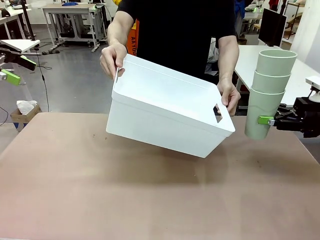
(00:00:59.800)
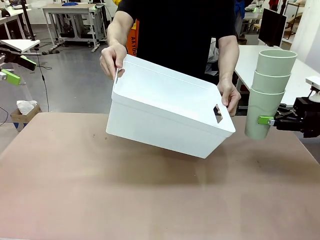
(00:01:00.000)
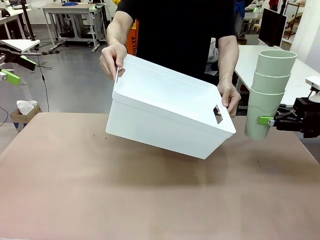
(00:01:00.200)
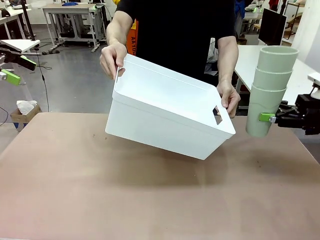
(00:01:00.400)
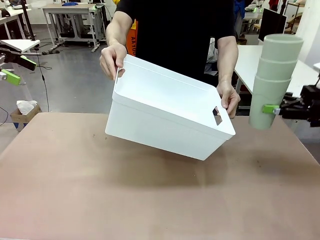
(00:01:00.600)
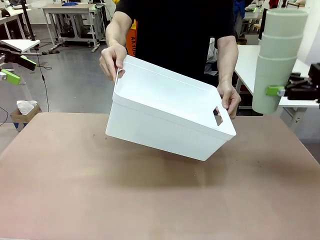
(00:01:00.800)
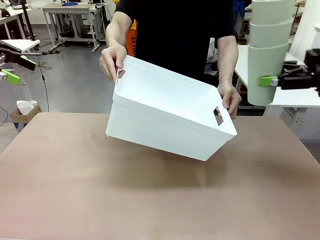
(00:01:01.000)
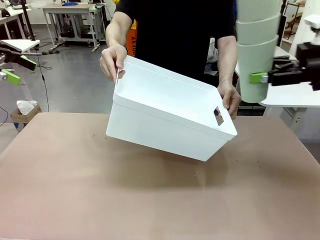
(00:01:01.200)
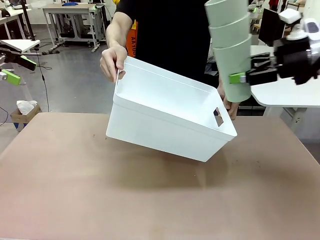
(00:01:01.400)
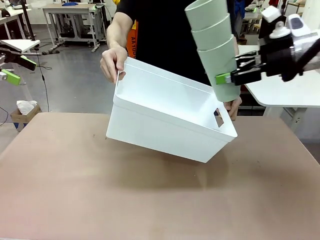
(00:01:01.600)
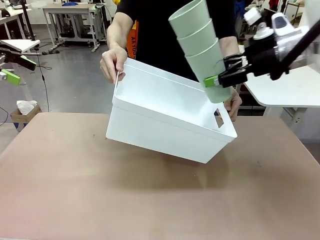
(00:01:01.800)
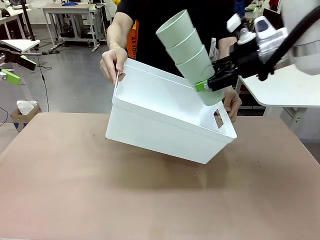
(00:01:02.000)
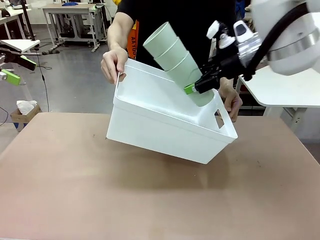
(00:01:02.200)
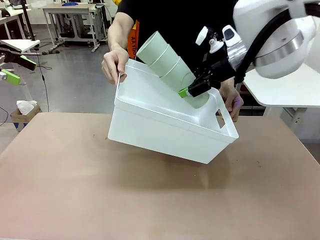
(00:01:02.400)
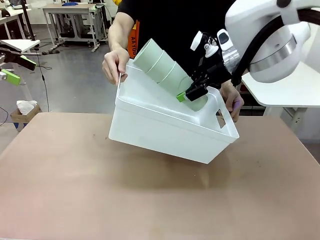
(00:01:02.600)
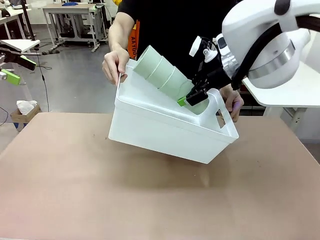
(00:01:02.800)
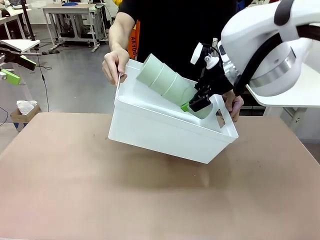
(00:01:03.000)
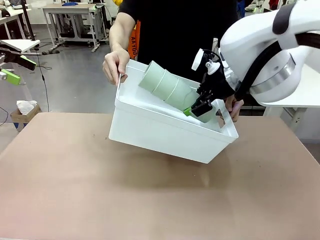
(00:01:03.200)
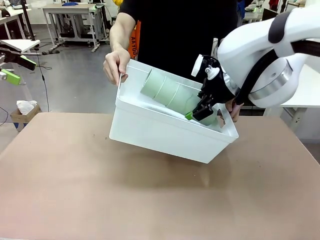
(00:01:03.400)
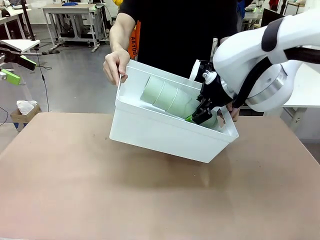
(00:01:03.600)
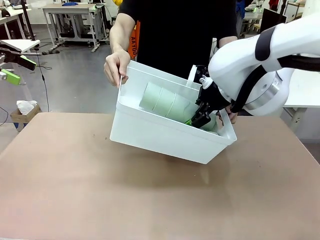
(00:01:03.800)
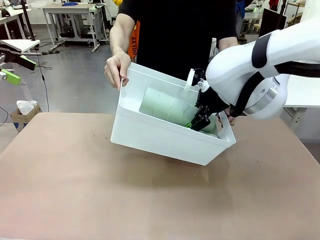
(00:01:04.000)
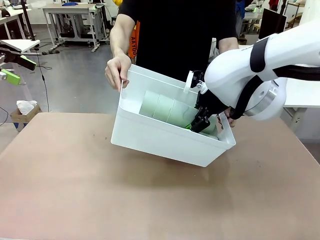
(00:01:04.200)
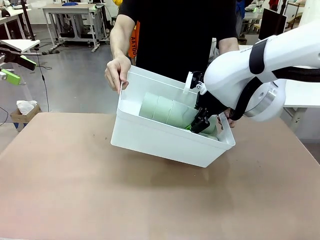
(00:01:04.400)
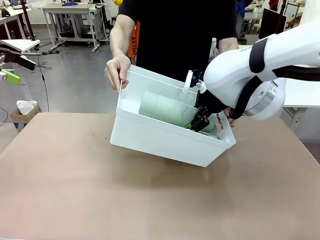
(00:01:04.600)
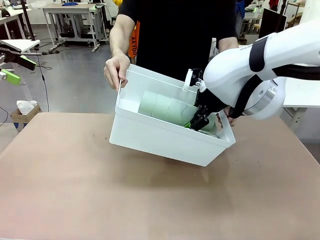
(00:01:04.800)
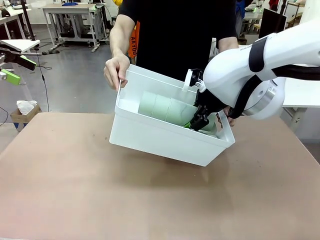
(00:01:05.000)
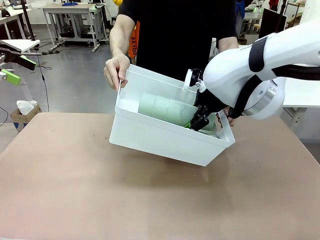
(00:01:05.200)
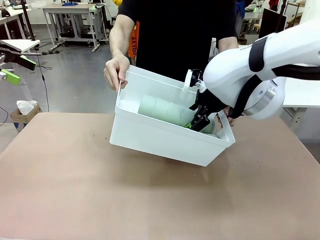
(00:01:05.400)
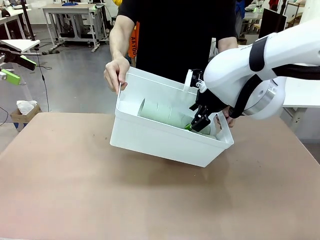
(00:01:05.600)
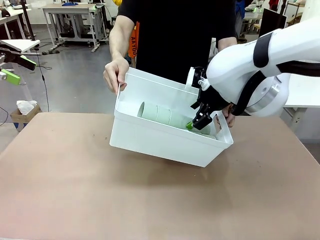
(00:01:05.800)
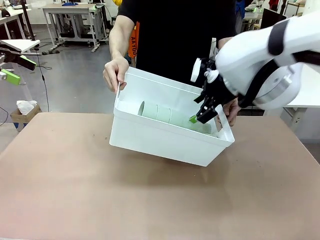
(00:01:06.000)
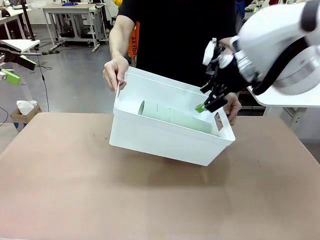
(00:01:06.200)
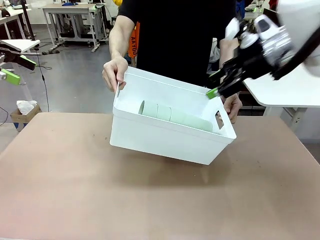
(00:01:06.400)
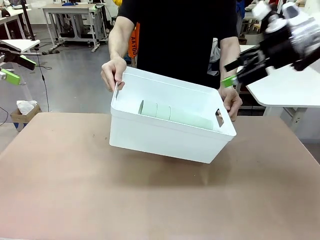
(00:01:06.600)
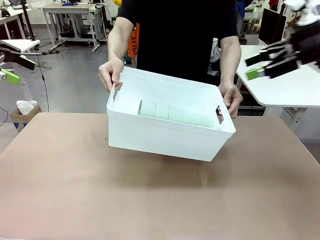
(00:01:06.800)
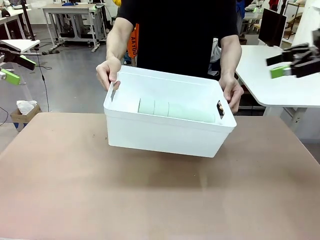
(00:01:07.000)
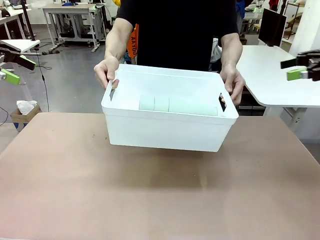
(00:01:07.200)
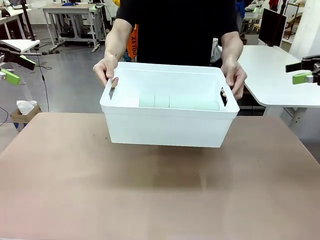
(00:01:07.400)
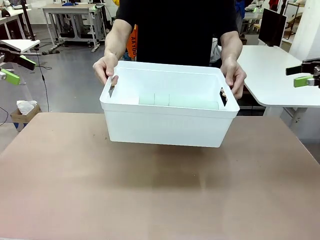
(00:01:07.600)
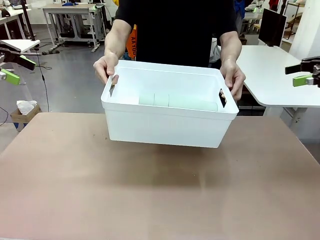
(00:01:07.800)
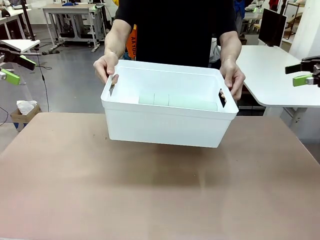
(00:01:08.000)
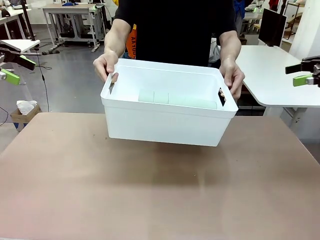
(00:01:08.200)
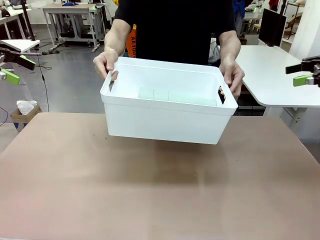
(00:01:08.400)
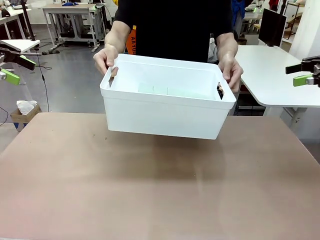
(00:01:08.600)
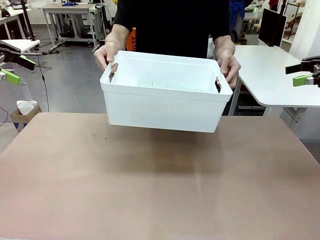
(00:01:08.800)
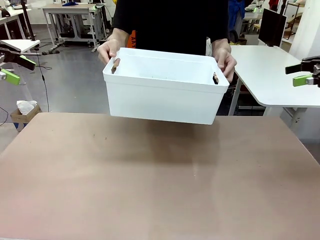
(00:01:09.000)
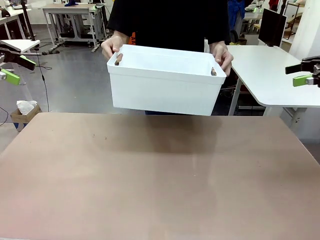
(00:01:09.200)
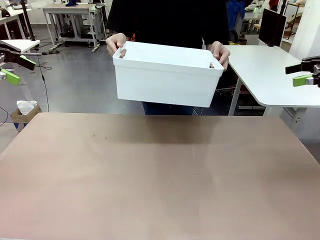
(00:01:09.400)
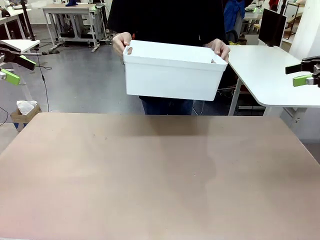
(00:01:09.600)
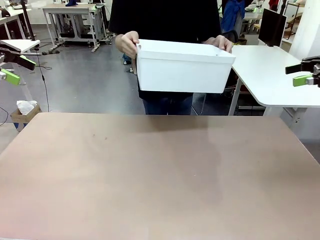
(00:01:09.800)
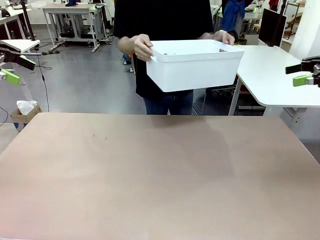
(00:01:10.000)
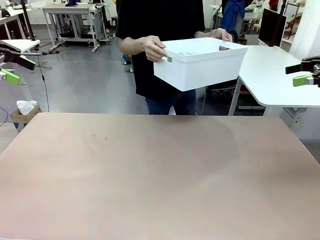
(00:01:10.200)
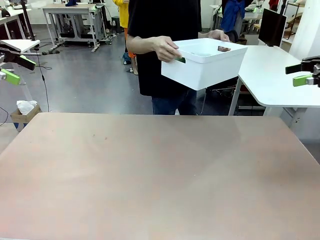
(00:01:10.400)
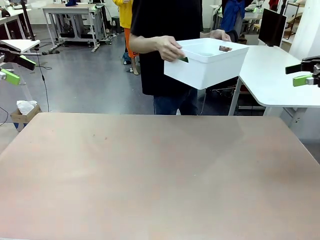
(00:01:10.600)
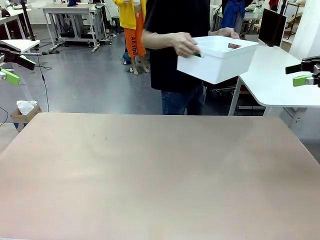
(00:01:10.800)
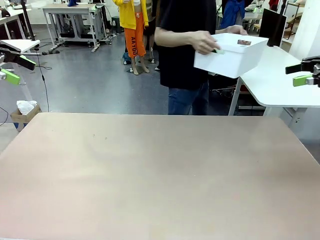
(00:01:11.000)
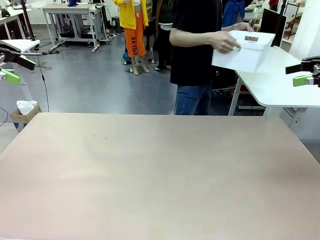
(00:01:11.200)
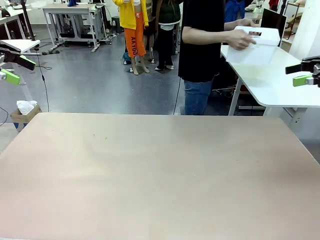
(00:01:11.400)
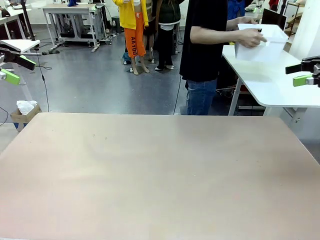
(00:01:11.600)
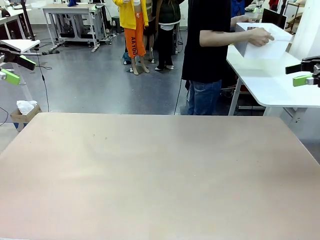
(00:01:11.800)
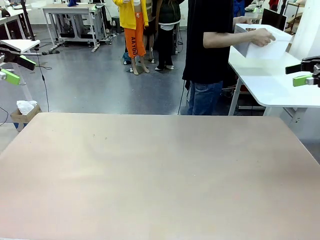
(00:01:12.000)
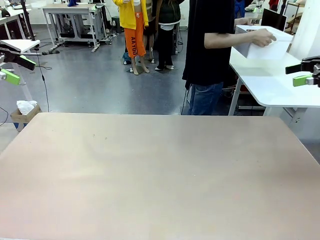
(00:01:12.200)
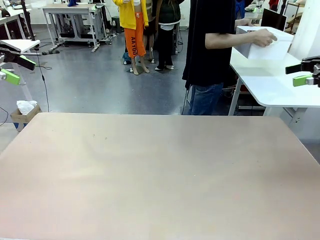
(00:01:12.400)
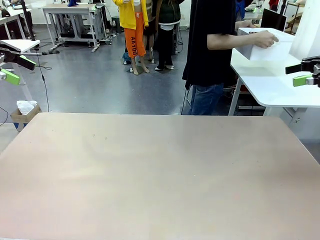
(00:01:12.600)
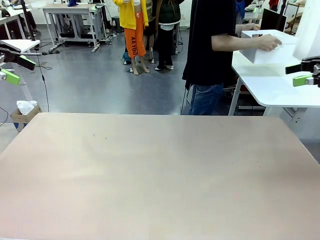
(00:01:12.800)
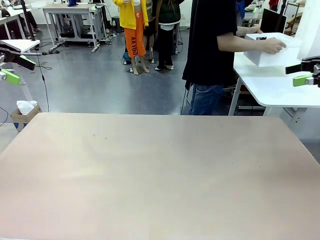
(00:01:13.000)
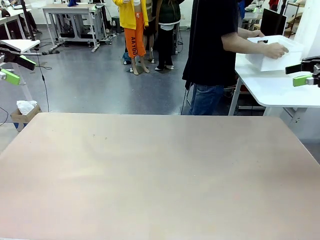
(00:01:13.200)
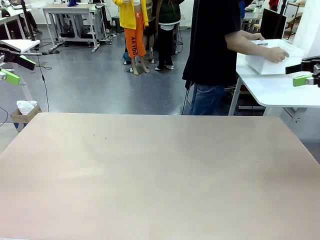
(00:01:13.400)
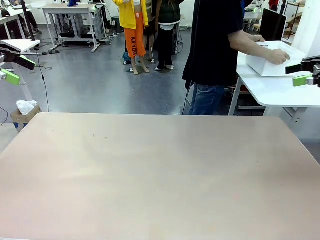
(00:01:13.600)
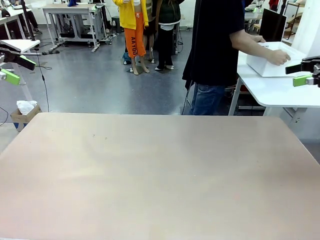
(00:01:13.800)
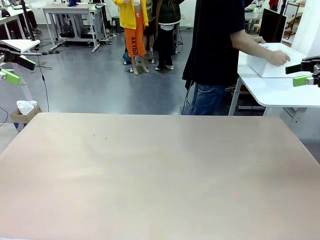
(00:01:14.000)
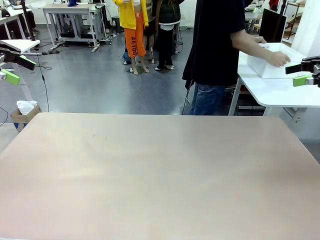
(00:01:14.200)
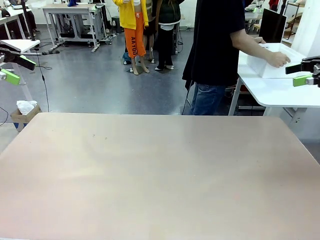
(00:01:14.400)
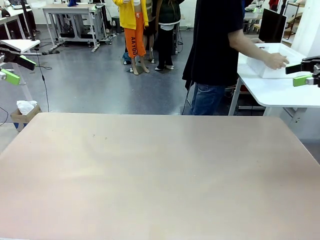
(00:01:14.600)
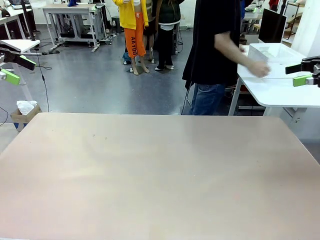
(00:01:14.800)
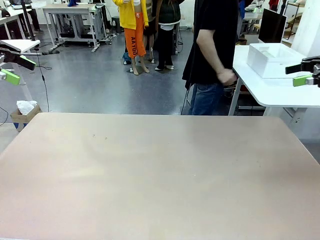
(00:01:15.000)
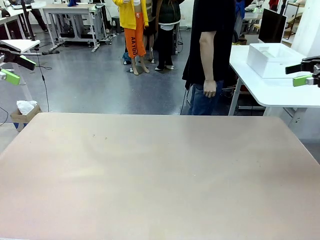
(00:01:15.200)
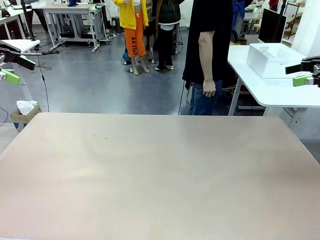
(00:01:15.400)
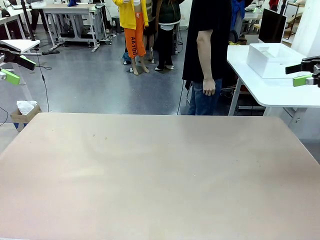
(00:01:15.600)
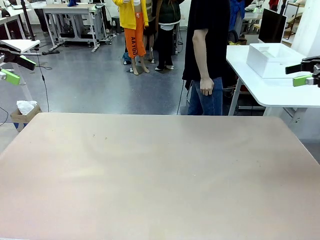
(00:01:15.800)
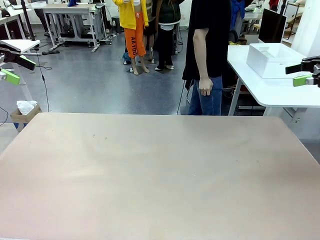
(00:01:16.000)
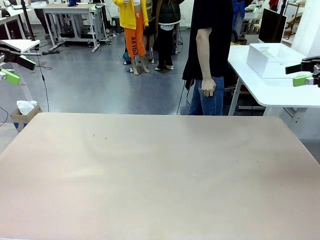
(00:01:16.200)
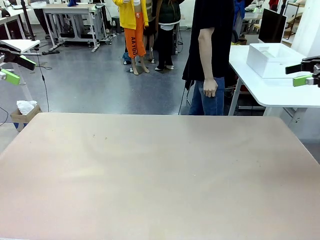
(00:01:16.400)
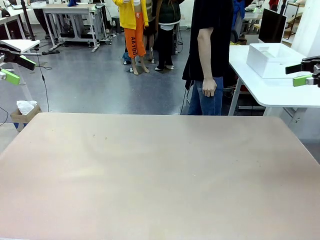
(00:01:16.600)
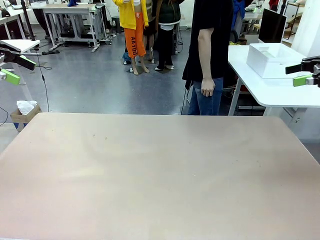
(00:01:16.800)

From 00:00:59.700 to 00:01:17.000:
Task: Stack the cups and store them in the basket.
Robot: Place the stack of Reusable plastic cups into the Pantry Basket.
Person: Place the basket containing the cups in the middle of the Human Table.
